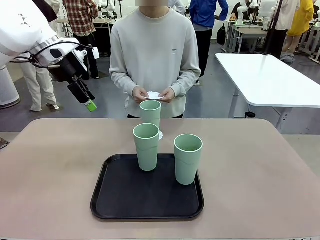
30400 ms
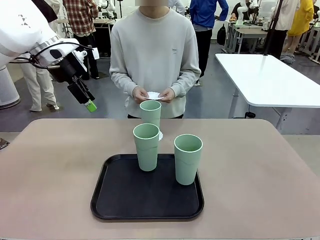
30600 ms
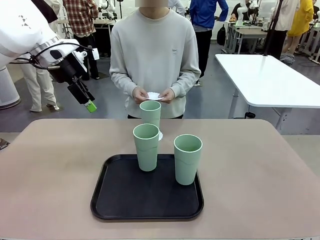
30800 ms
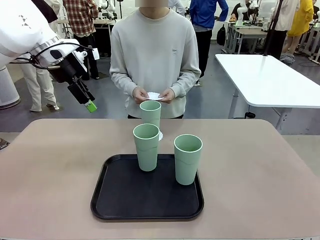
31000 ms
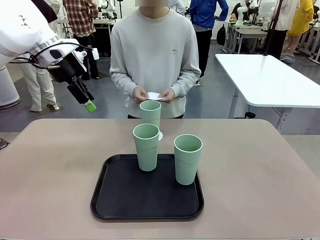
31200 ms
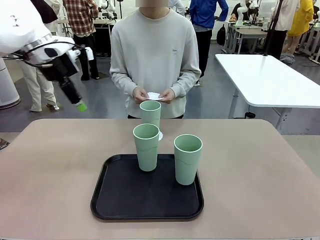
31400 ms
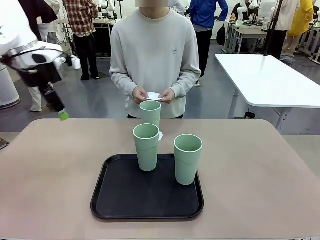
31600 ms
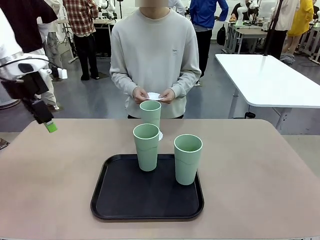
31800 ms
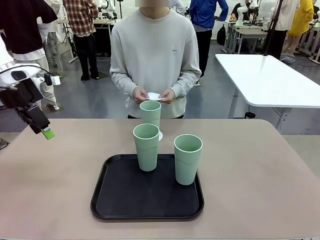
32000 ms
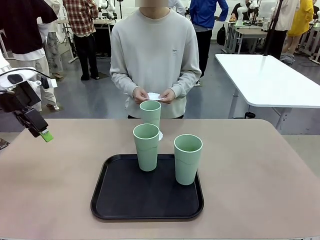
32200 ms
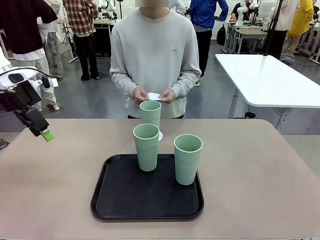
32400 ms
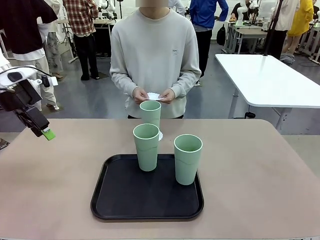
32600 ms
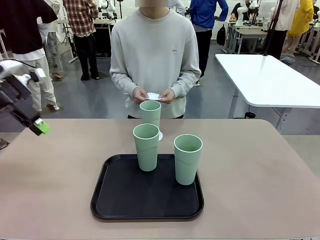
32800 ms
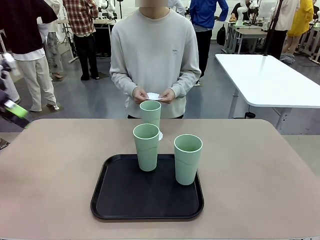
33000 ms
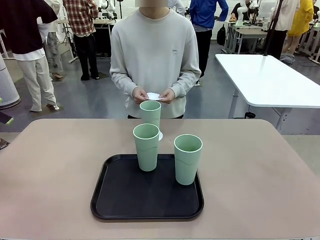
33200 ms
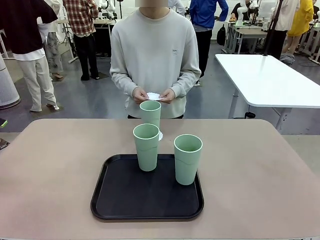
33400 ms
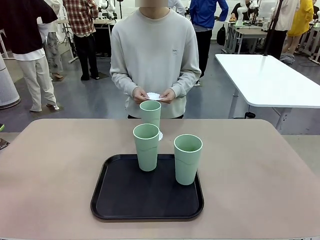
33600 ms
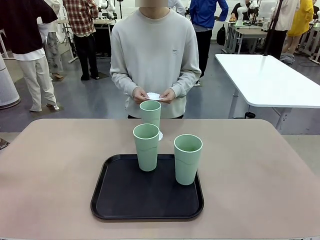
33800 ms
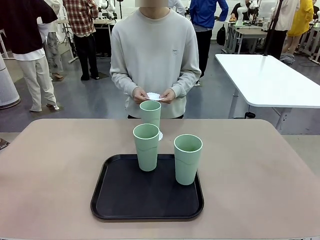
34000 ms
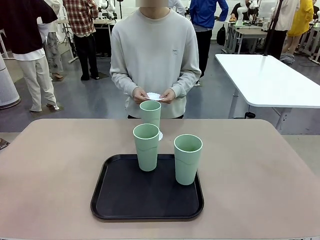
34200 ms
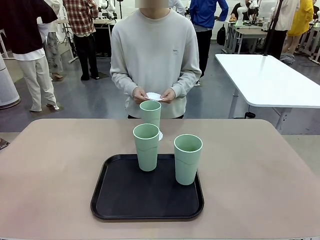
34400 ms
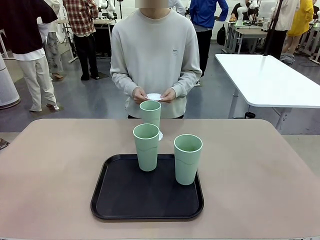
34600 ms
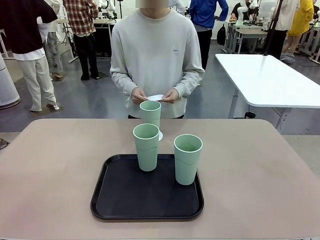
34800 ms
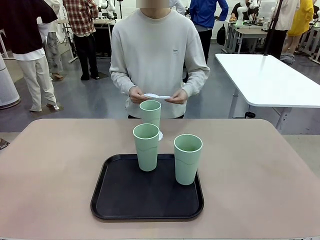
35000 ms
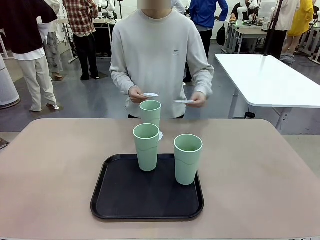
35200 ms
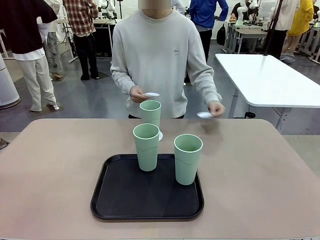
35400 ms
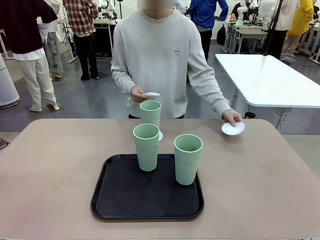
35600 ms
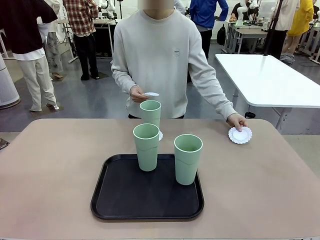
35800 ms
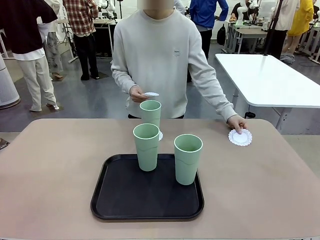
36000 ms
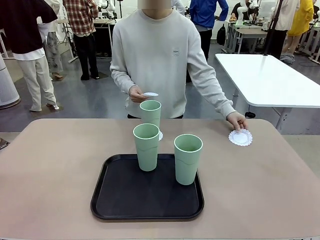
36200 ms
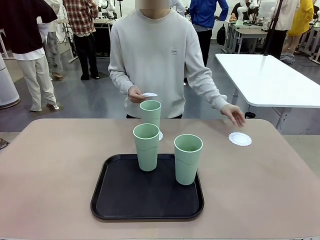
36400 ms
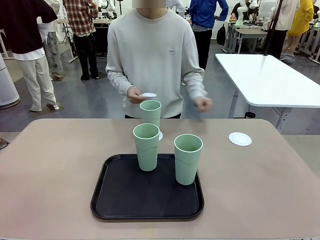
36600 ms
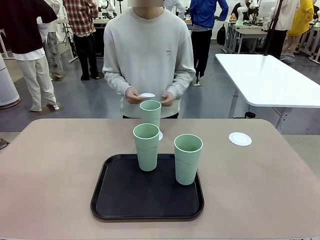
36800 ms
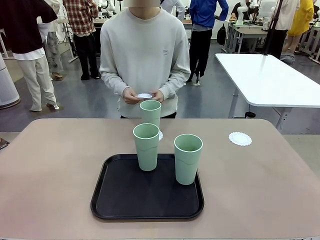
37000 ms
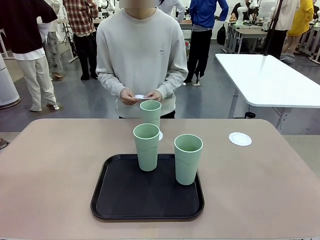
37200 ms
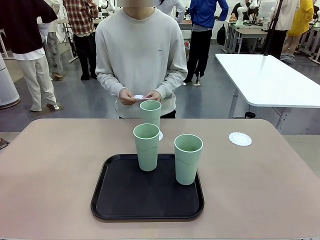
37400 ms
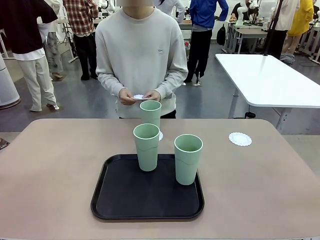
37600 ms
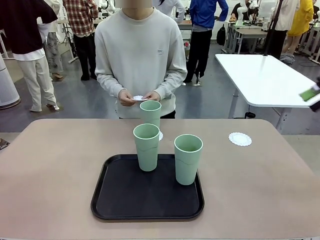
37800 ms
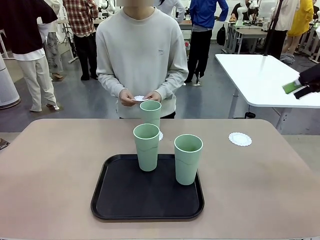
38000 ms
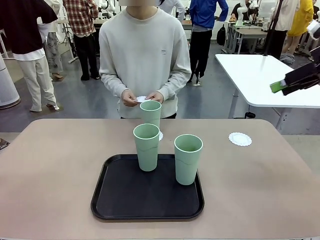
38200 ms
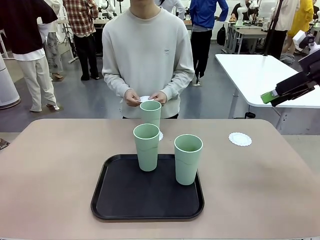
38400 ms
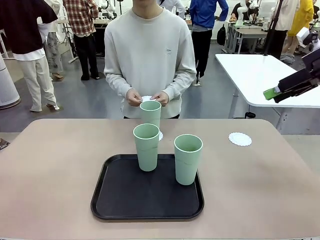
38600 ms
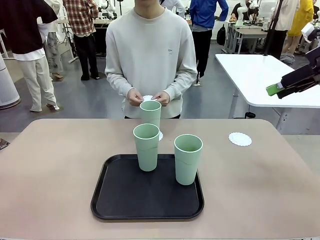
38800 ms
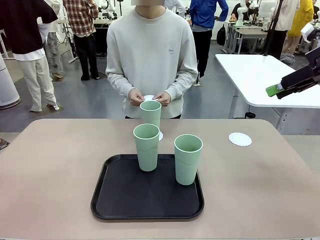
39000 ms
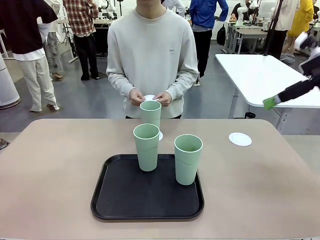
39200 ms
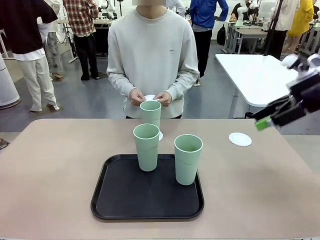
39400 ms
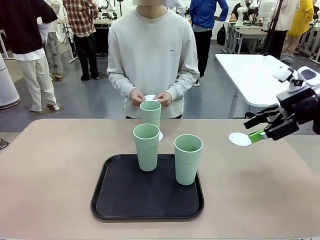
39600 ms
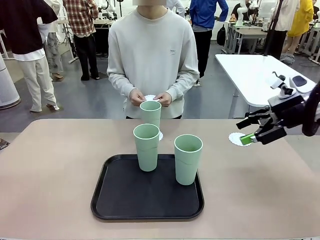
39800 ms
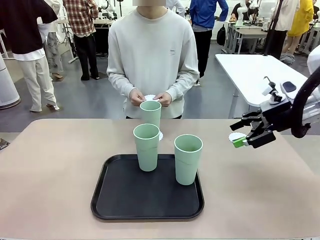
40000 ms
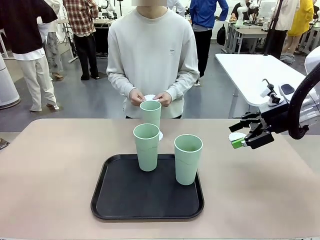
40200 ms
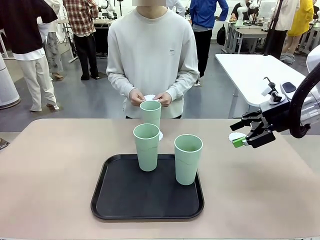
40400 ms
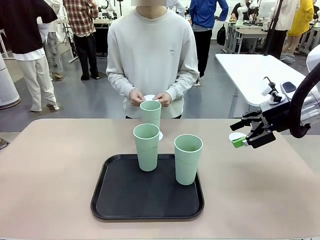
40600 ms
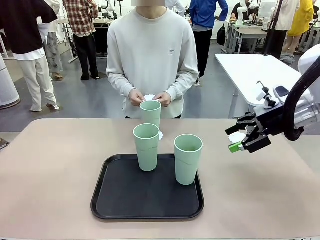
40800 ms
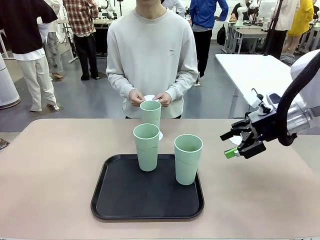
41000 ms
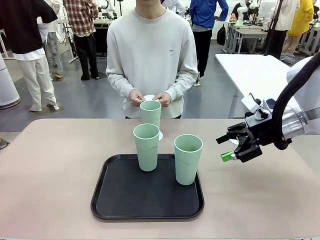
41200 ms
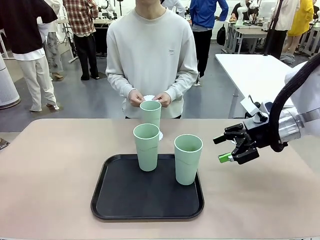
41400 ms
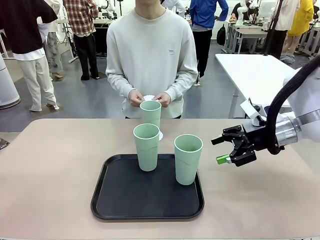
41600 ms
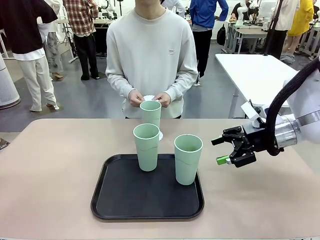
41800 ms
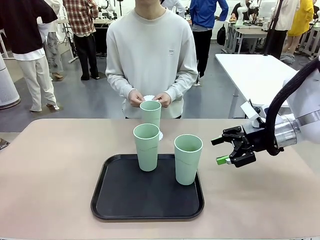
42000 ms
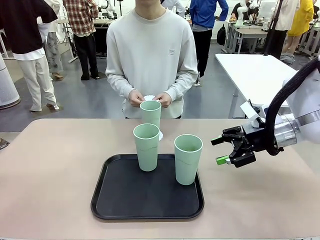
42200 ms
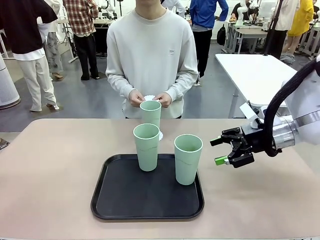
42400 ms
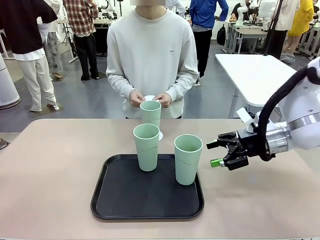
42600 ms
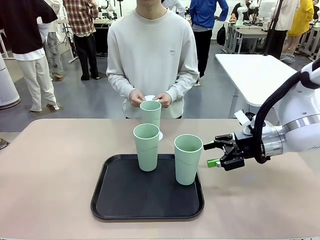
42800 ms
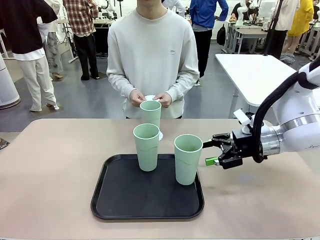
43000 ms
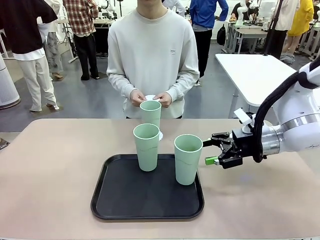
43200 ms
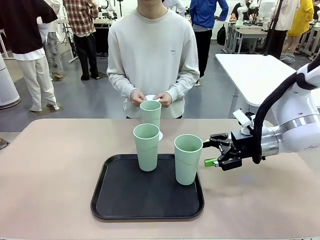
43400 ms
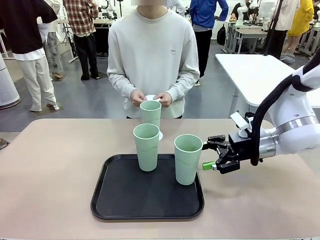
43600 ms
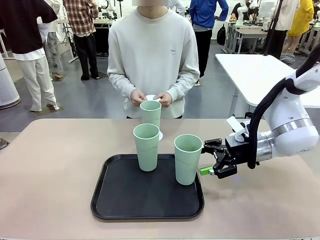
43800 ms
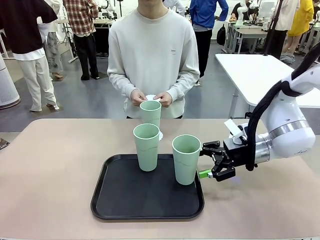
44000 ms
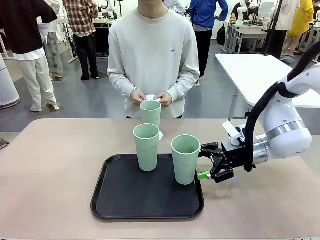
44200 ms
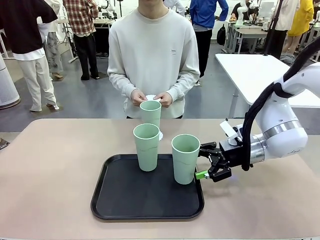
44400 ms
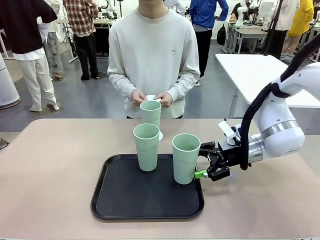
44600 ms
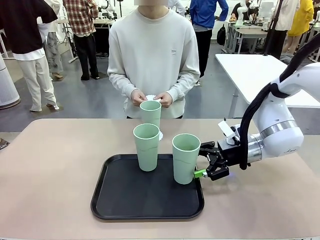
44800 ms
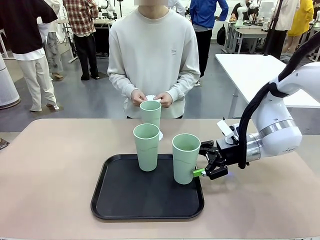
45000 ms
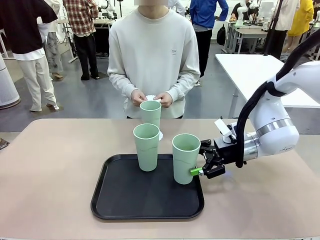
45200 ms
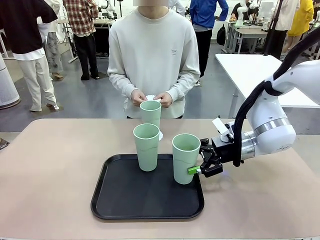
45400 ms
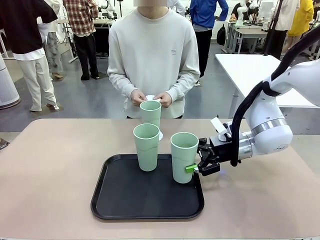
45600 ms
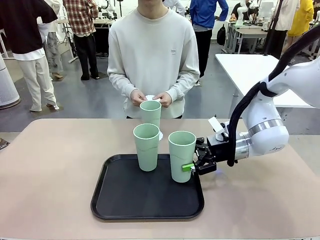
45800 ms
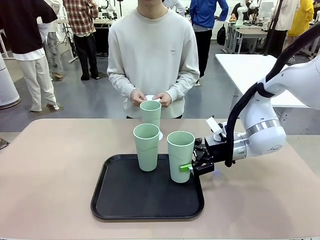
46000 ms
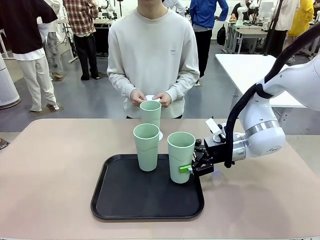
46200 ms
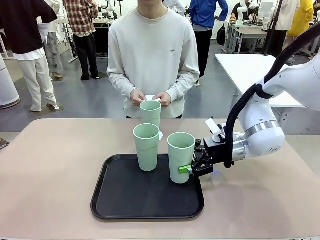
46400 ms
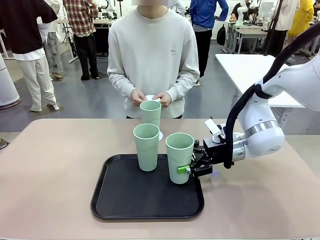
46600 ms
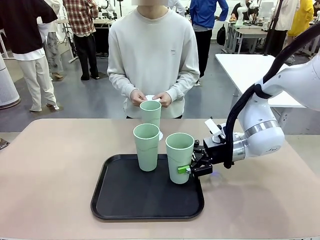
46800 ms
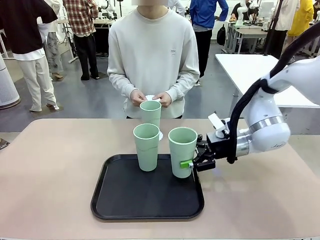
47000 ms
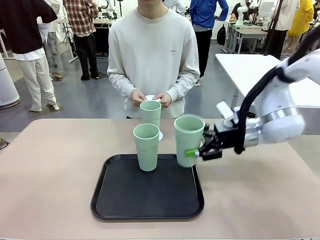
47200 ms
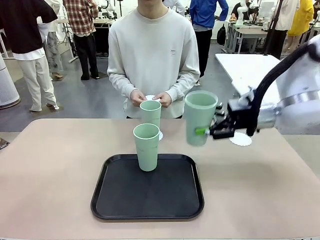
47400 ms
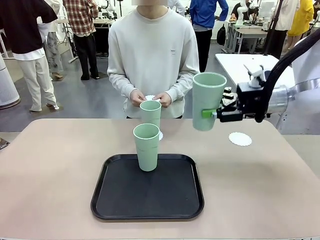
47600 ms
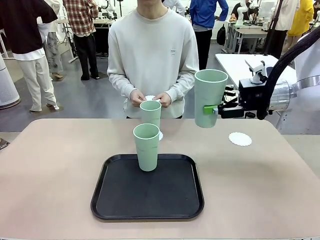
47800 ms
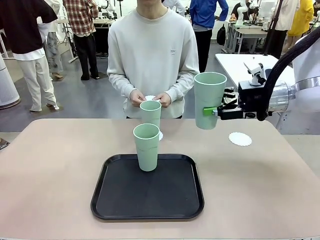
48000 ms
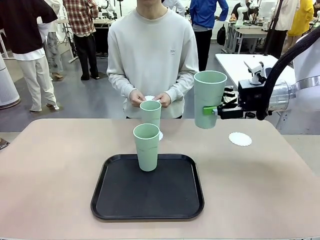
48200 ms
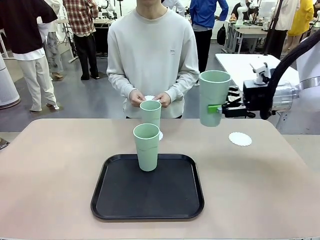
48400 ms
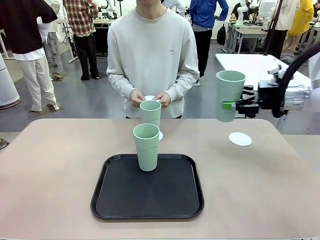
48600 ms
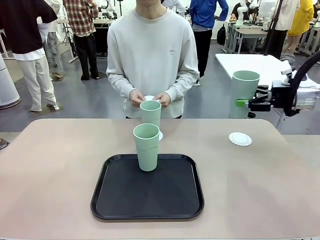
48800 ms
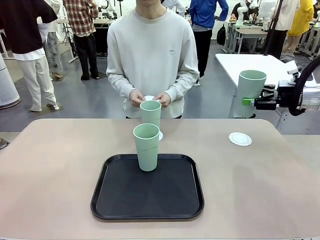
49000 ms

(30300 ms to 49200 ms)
Task: Place coasters on the table and set cups on them.
Robot: Take one Reusable plastic cup from the Flat Tray and place it on a coaster set by the human.
